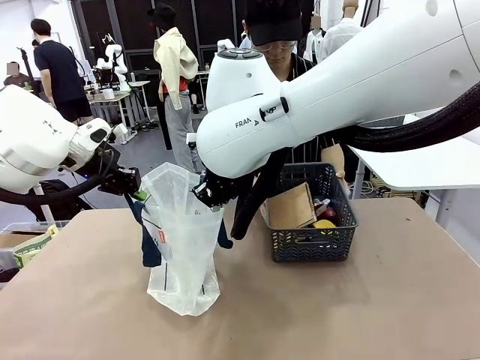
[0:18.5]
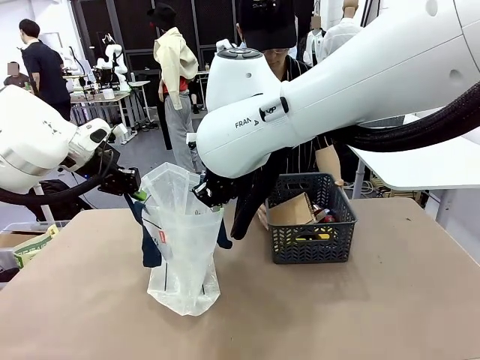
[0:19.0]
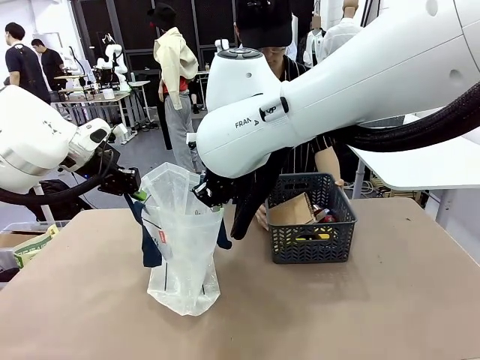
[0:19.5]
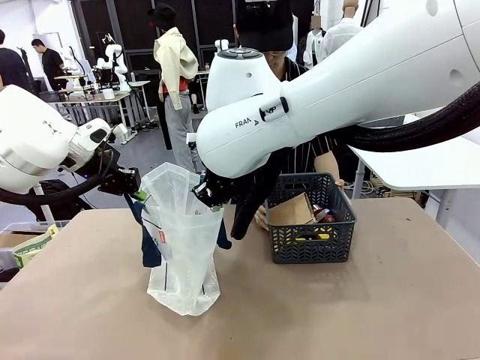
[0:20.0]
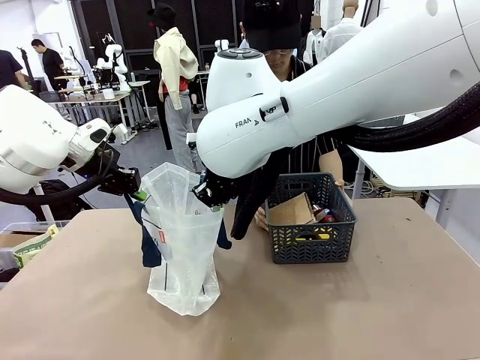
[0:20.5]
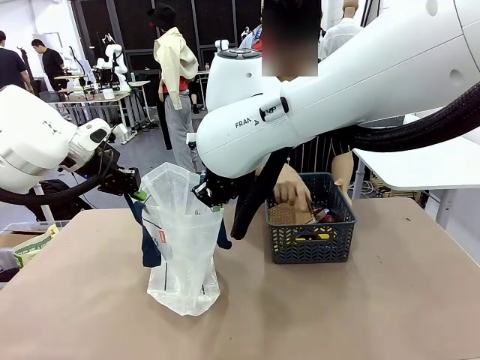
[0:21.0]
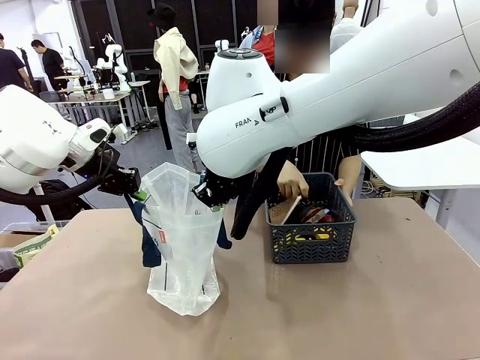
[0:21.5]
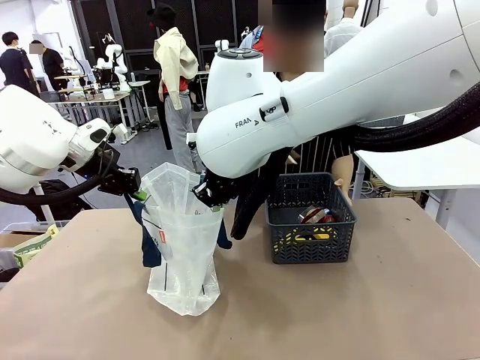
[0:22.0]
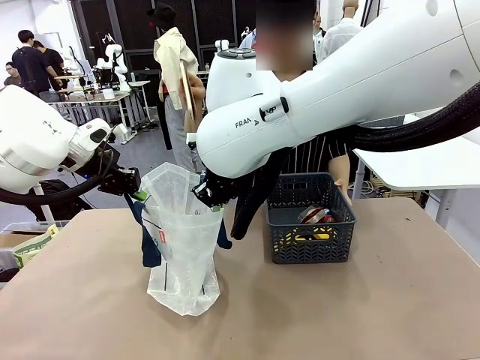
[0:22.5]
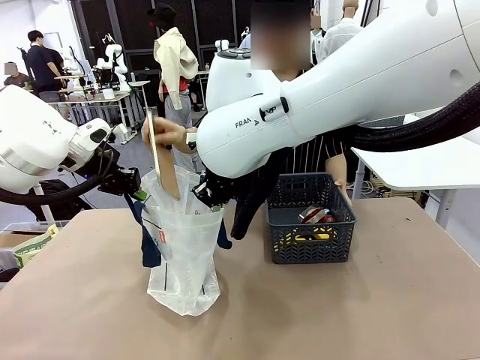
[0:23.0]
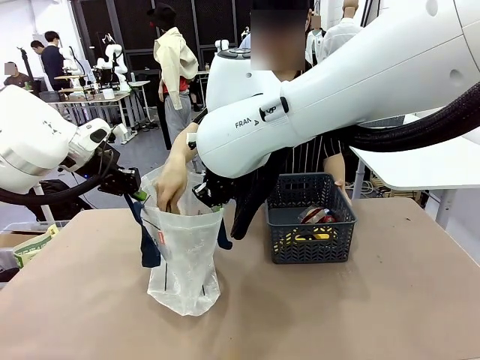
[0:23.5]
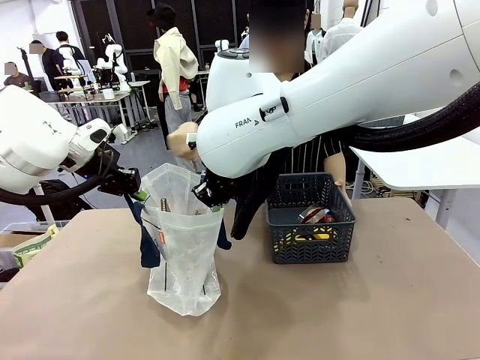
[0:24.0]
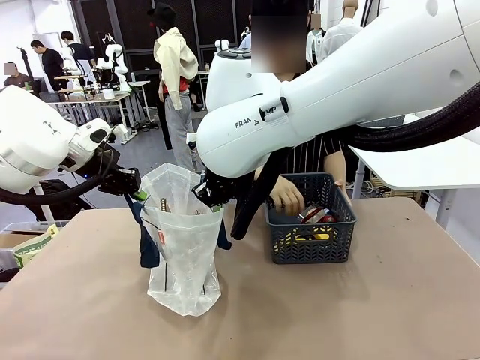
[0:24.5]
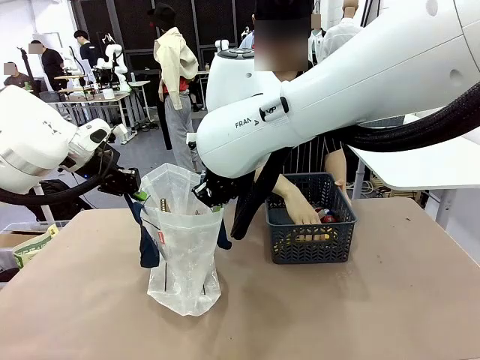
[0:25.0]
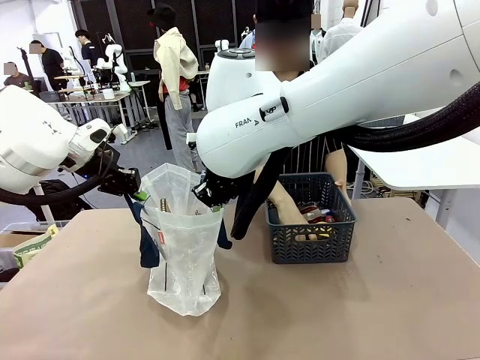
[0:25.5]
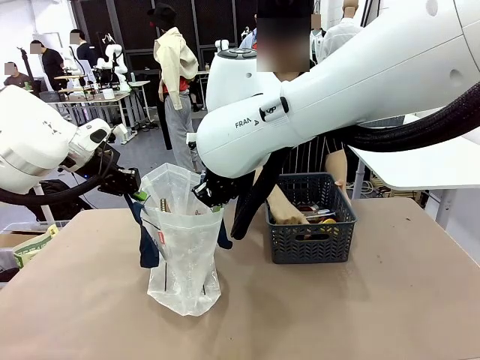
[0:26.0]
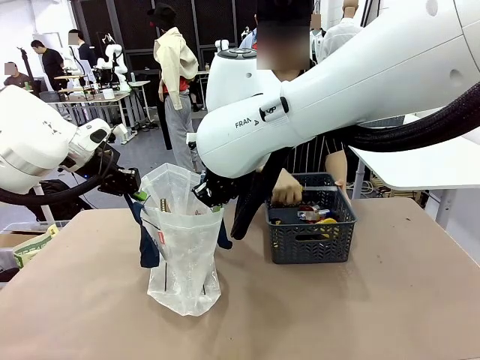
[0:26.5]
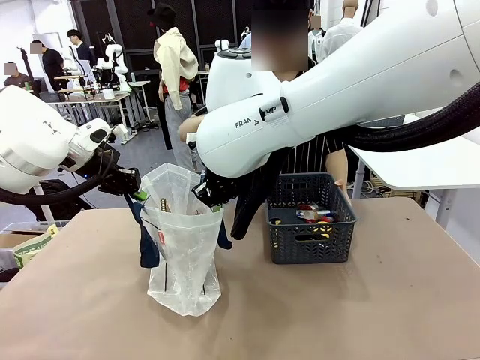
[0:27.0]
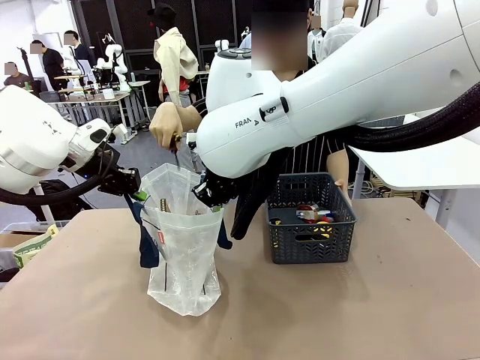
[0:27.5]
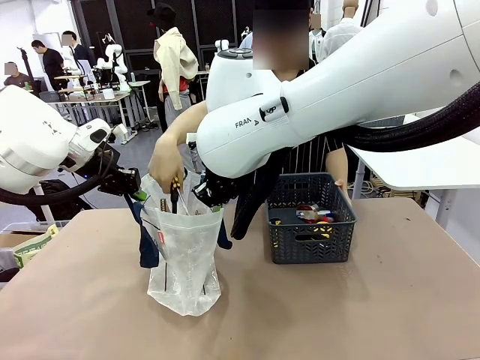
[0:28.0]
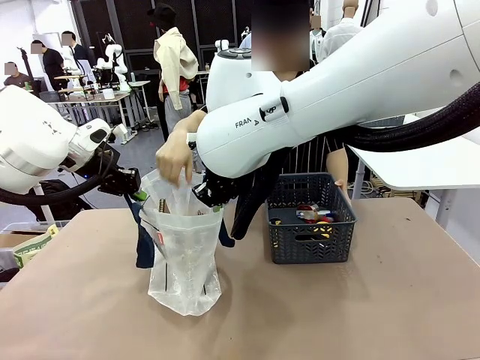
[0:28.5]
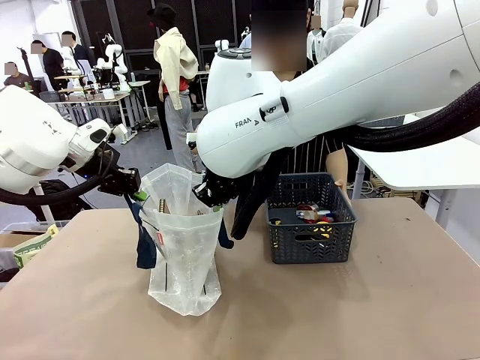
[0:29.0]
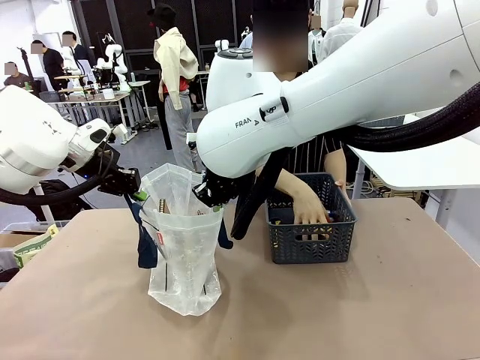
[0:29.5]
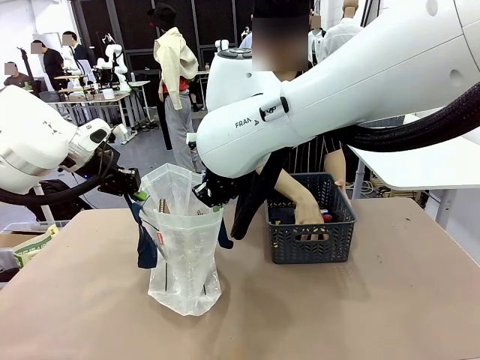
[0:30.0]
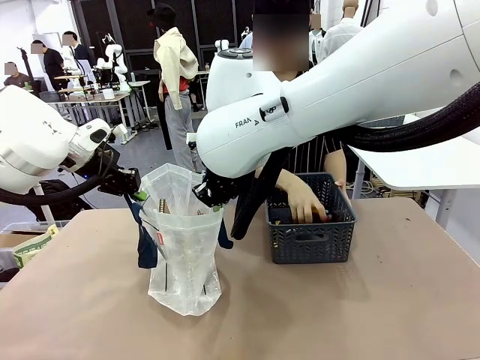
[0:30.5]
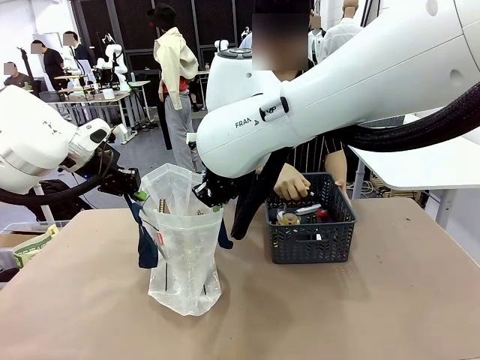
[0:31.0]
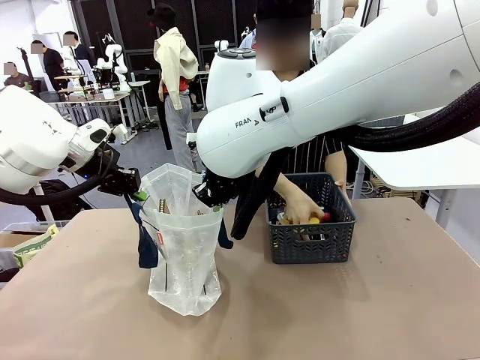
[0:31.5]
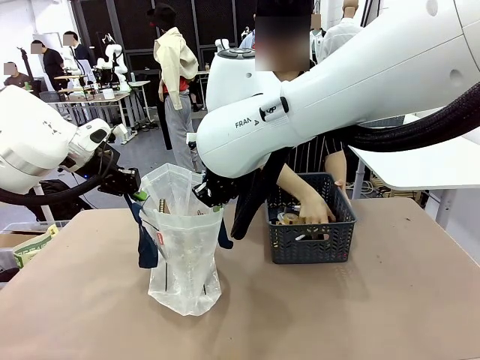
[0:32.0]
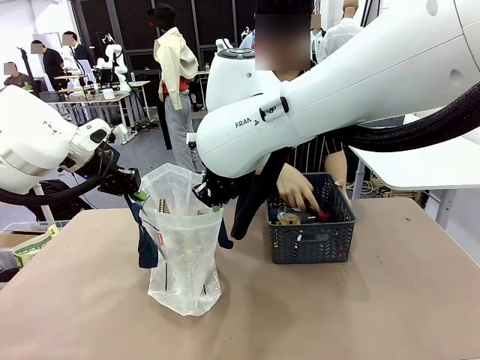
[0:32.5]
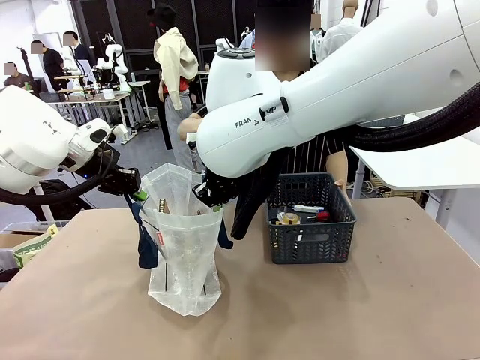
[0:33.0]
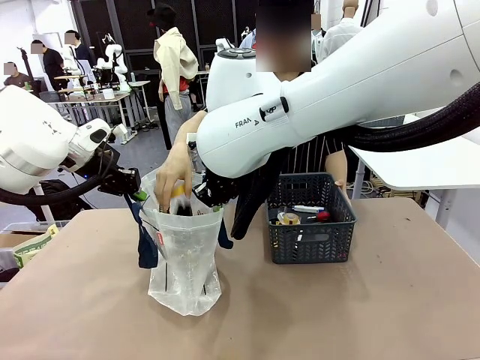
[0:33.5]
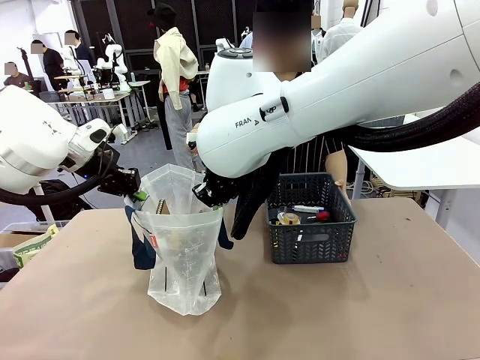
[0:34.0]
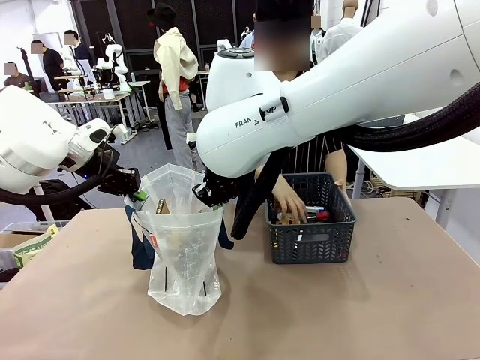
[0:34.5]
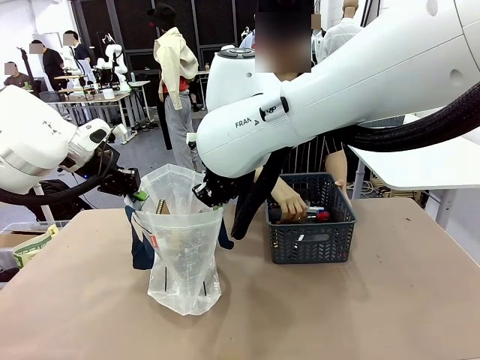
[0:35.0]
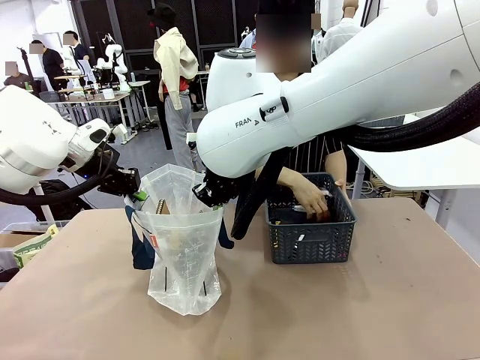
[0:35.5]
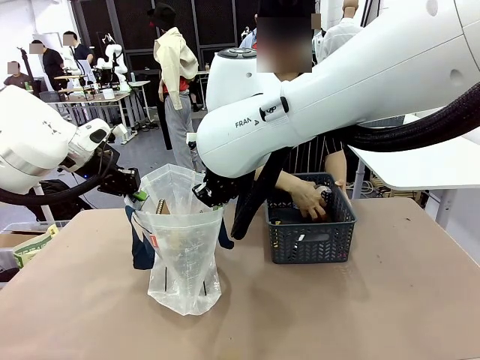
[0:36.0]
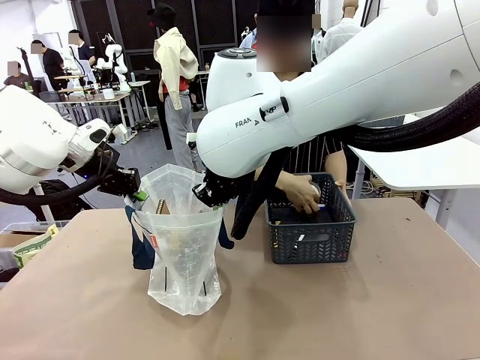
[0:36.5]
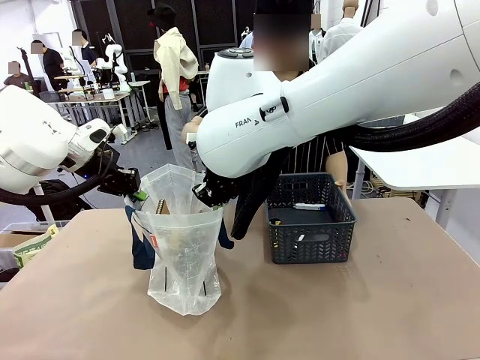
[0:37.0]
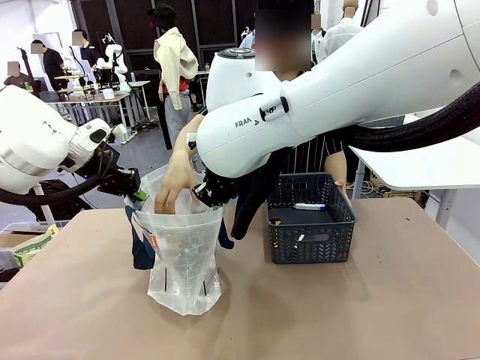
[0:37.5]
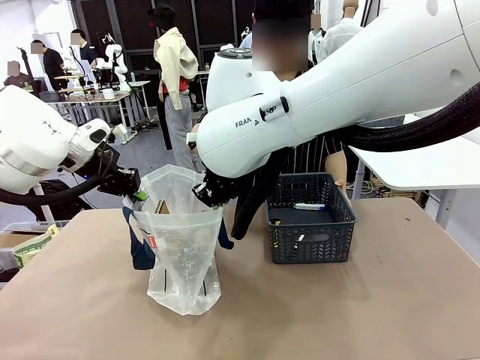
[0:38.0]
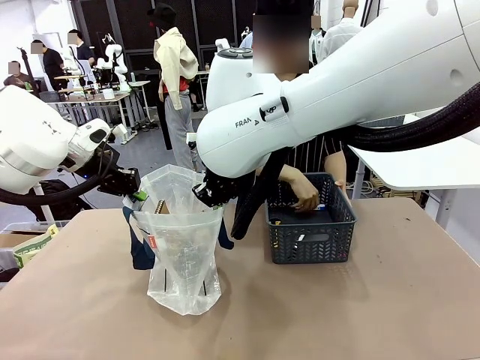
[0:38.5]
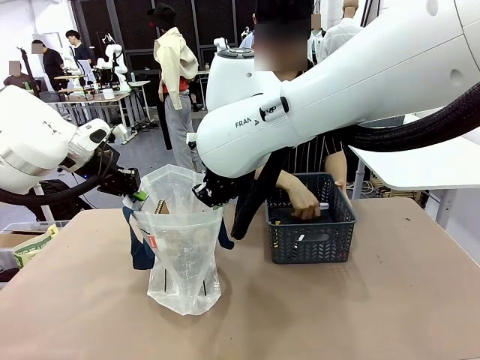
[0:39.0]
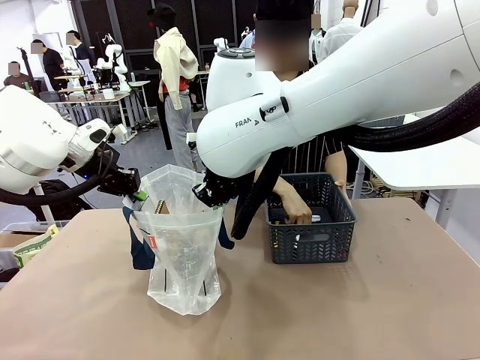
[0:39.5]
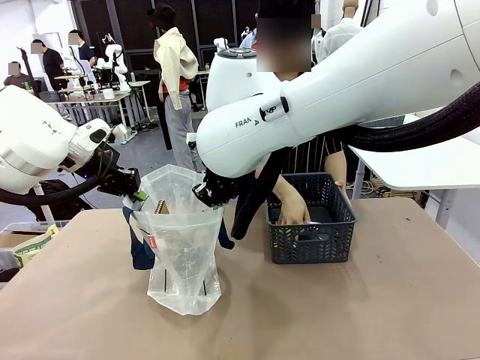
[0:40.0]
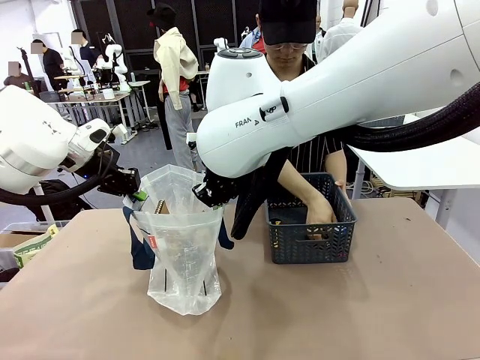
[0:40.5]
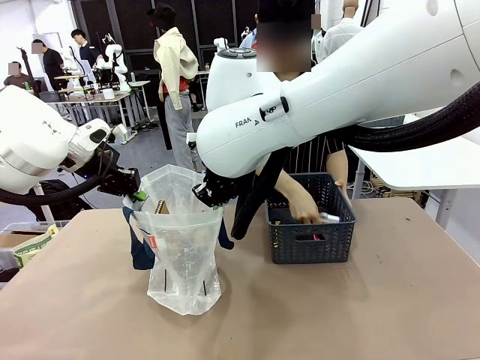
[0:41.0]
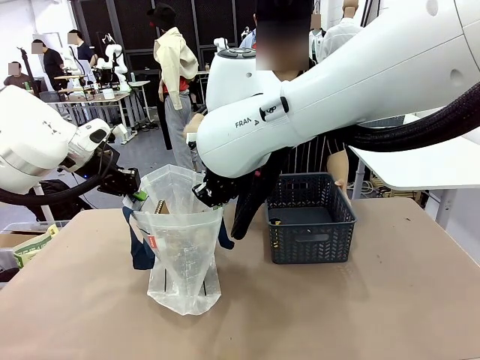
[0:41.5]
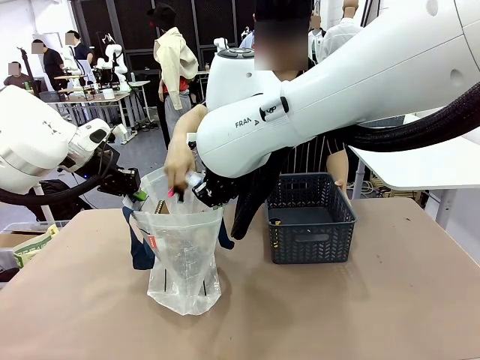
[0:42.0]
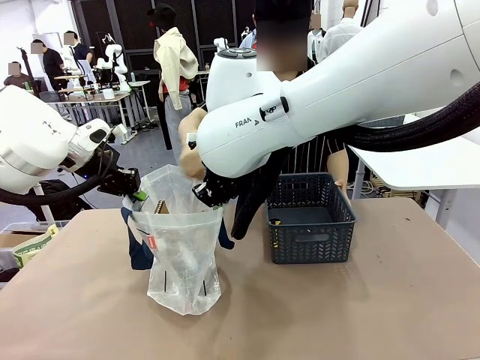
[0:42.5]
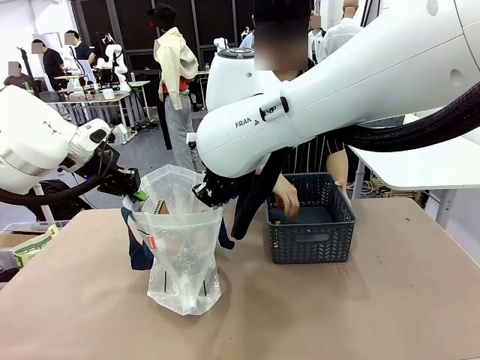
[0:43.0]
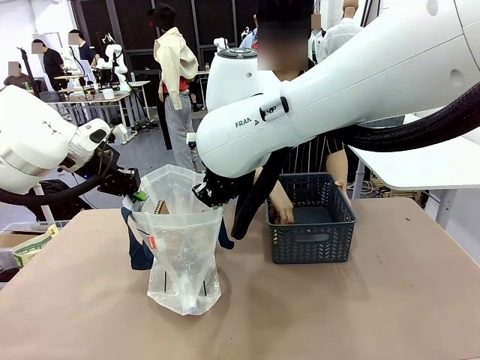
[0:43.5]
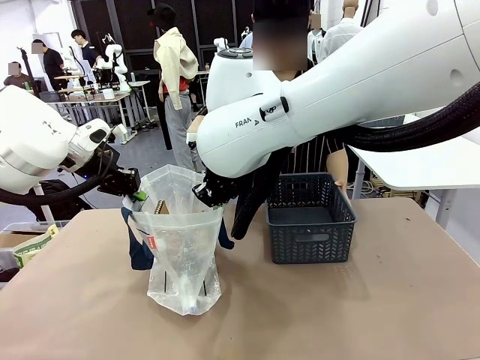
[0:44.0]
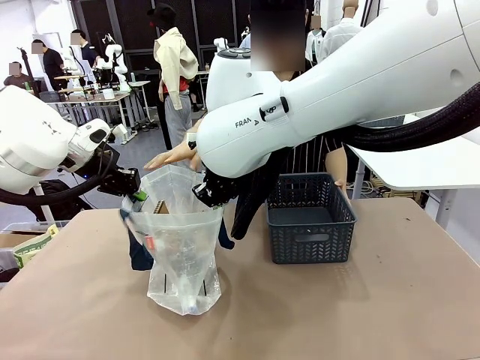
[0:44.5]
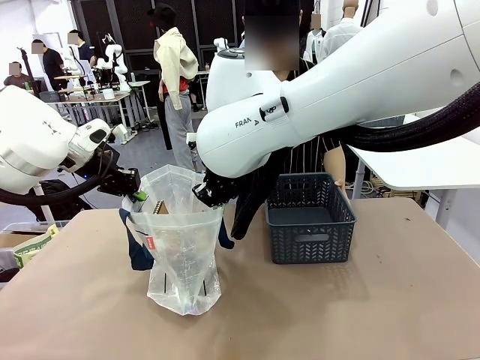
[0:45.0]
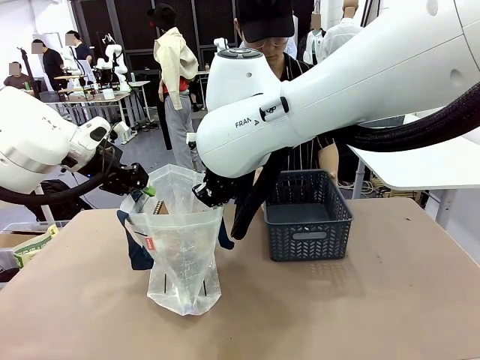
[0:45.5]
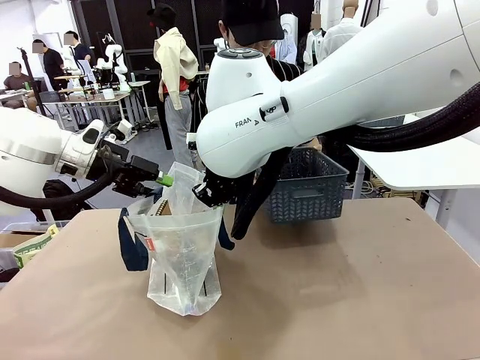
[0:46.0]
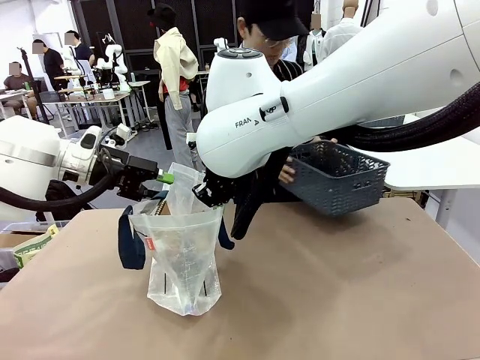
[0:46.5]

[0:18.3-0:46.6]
Task: Transfer purchased items from the store into the shopping bag.
Robot: Move the Reusable shopping bag to the right side of the table.
Person: Pick up the basket with the items out and place it on the right side of the human table.
